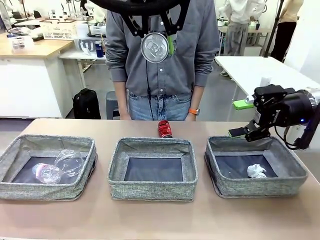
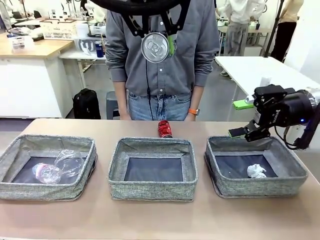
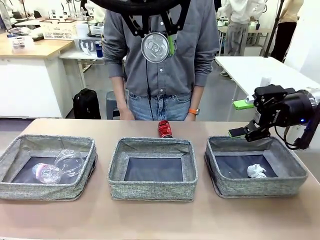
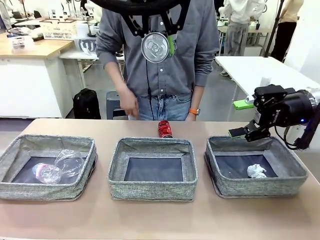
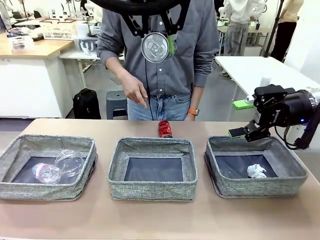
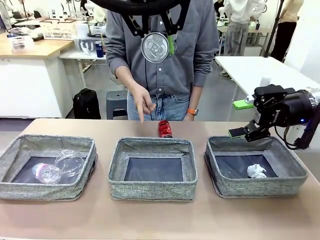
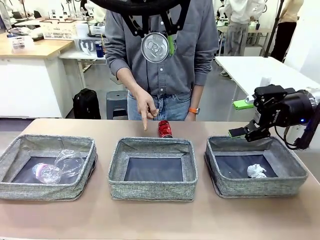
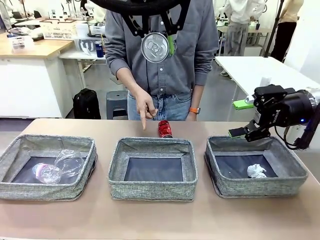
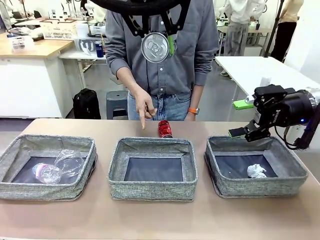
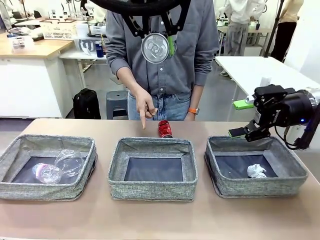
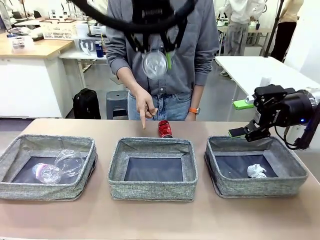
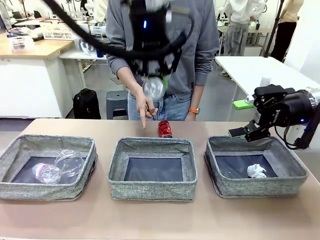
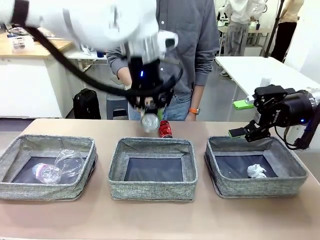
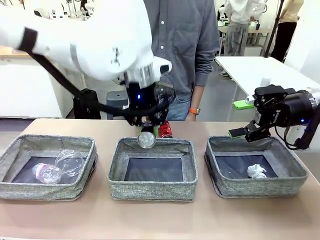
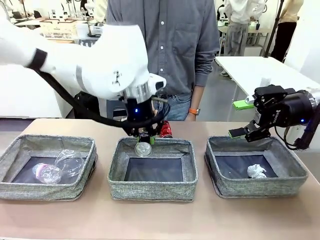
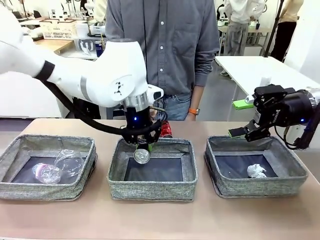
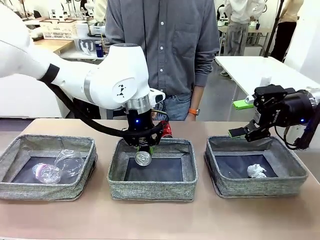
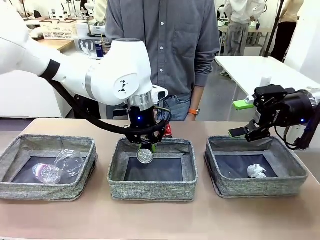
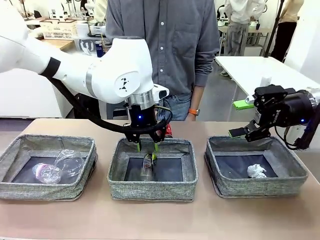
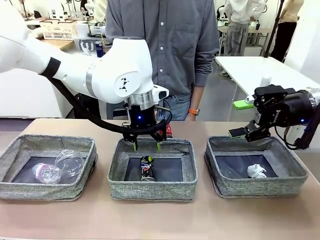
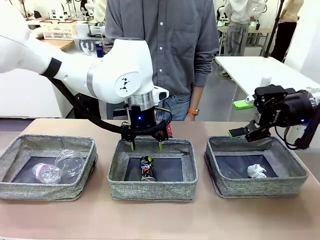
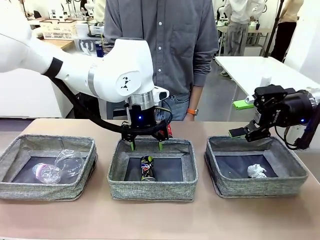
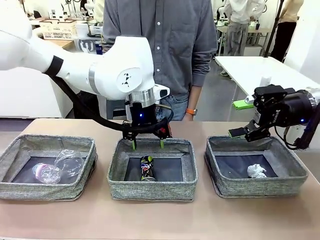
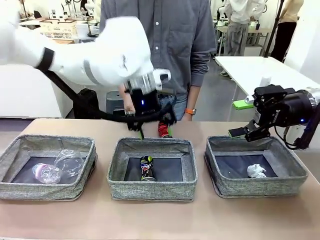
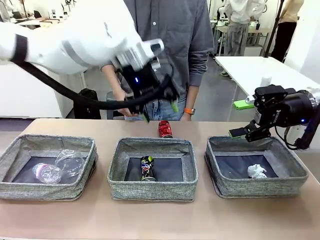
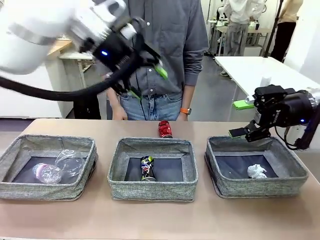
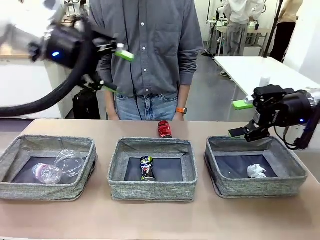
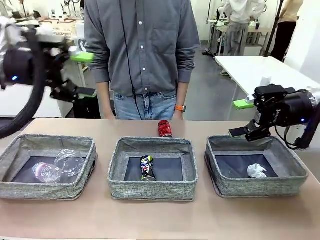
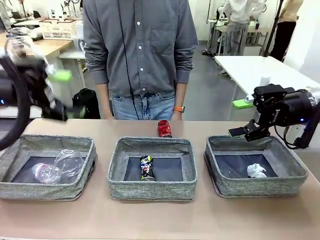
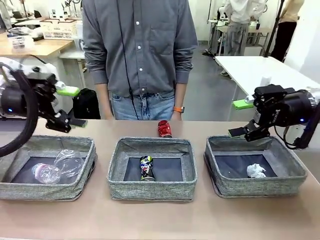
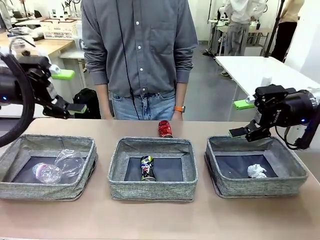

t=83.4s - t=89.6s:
Task: Sort the waste into the appropriate baskets.
Robot: Place the picked waste into the Fabric basket indicated by the person.
Person: Instructs the robot to place the picked-up trash into the appropriate organizing basket.

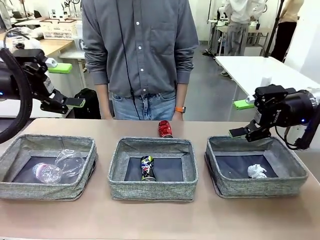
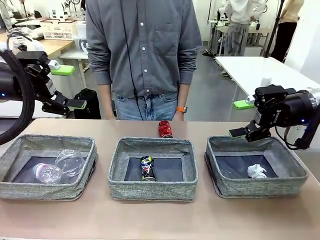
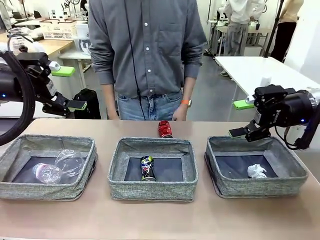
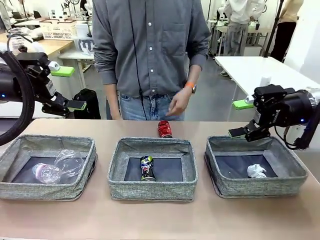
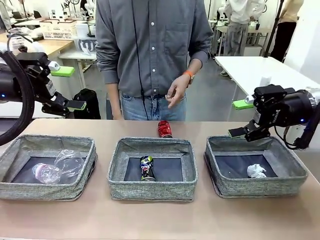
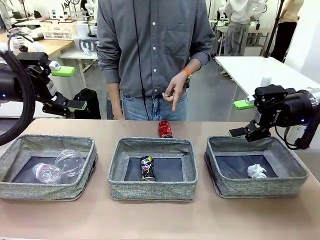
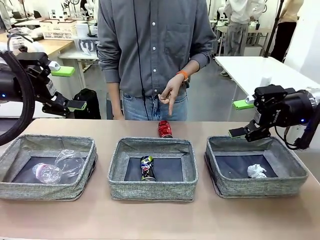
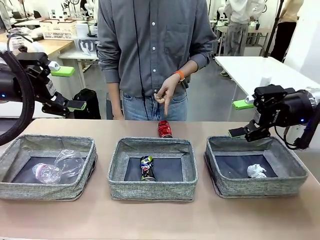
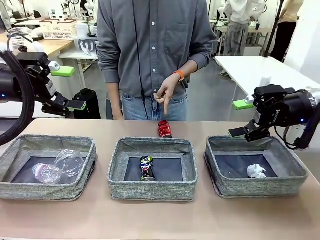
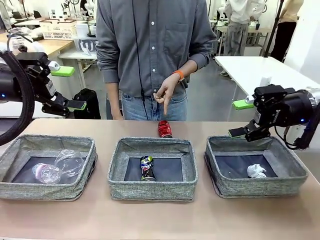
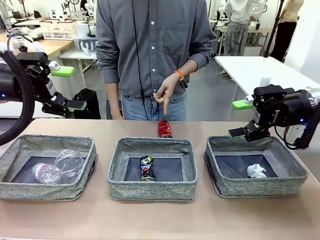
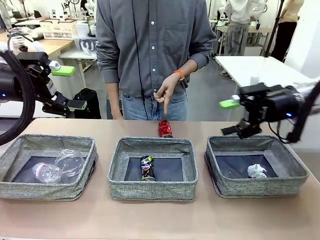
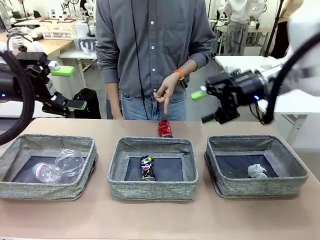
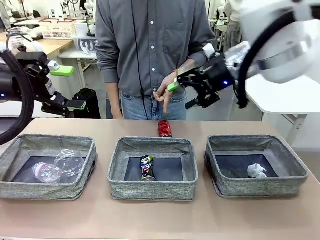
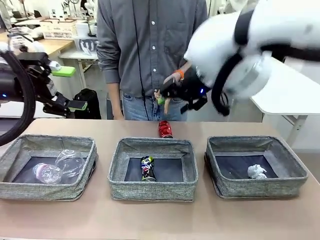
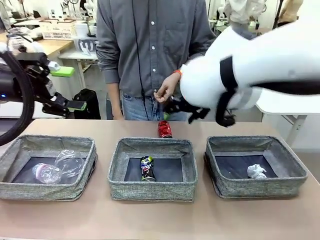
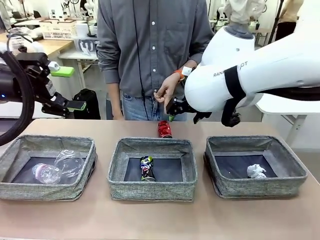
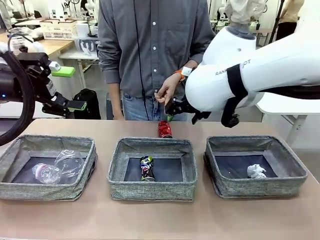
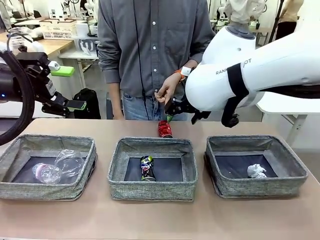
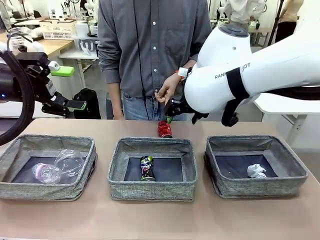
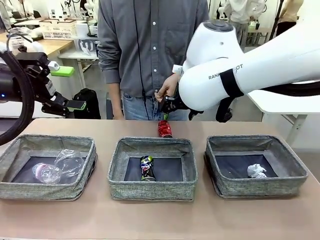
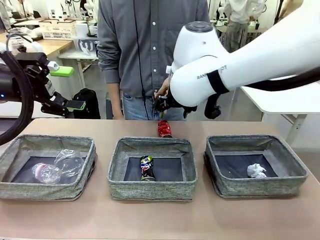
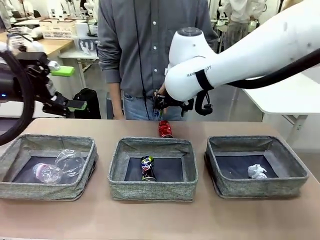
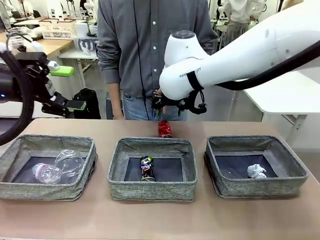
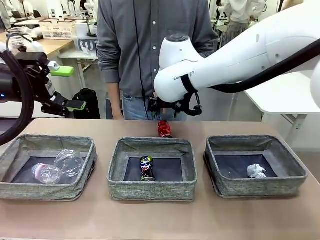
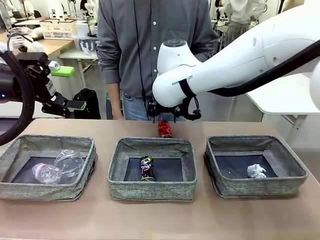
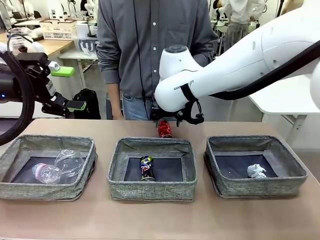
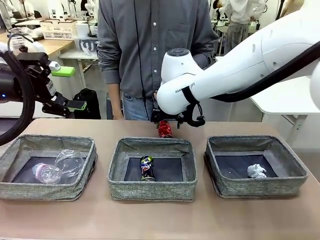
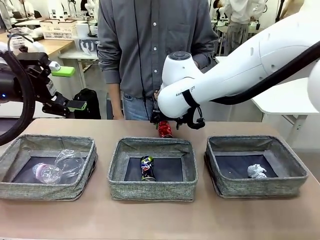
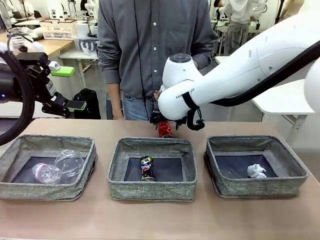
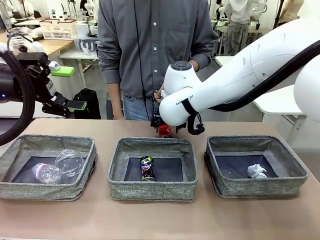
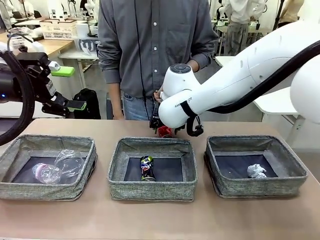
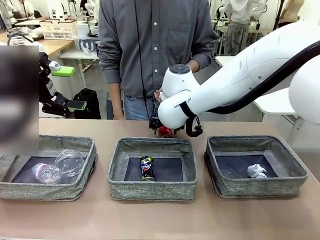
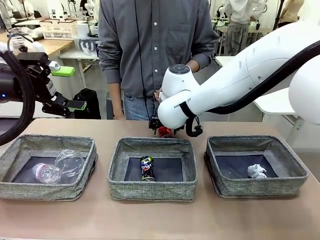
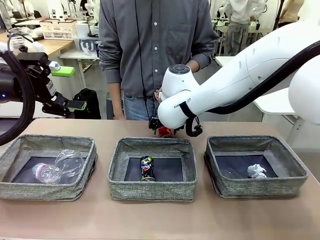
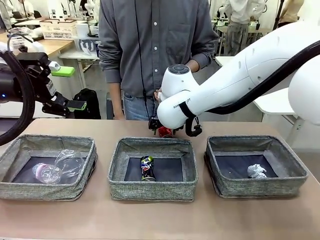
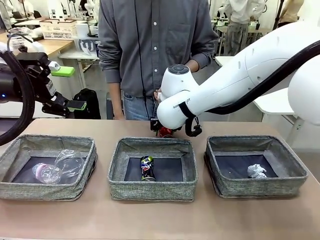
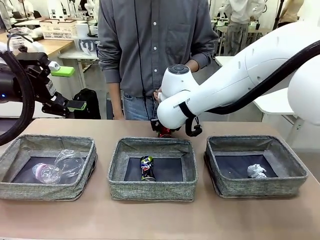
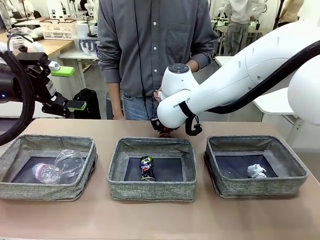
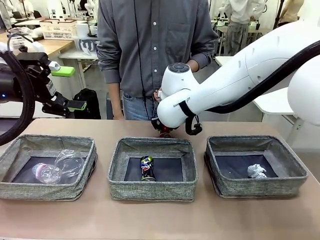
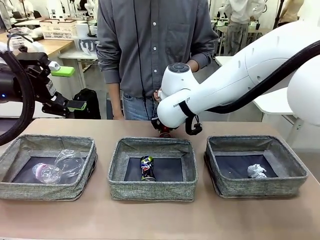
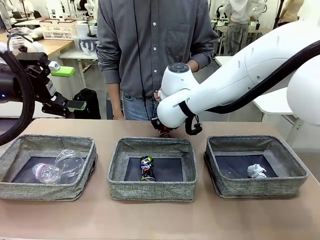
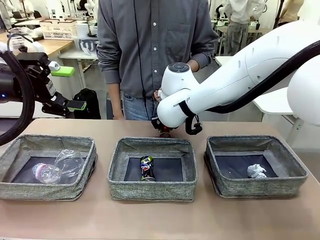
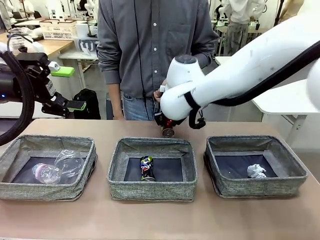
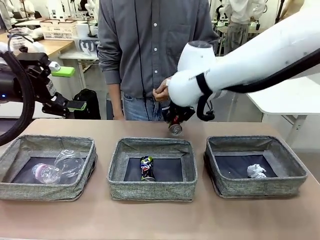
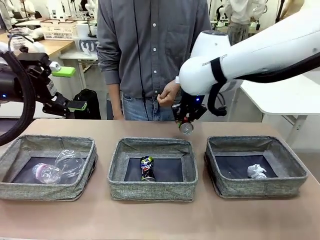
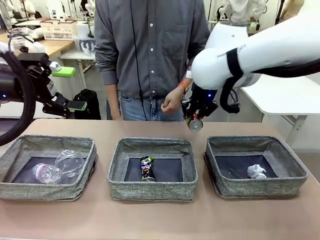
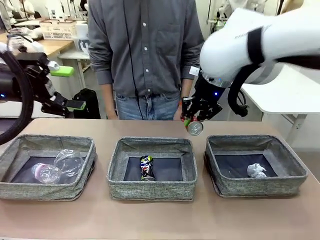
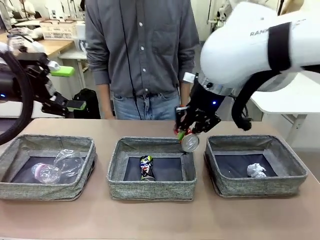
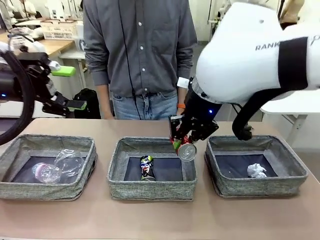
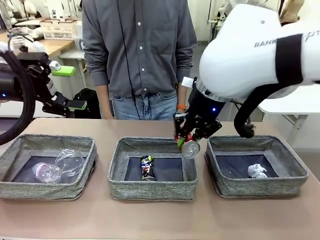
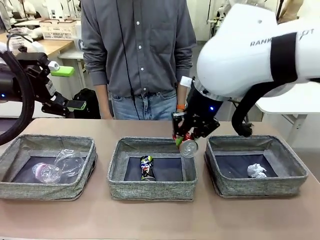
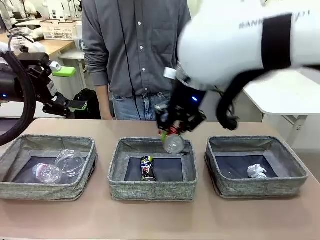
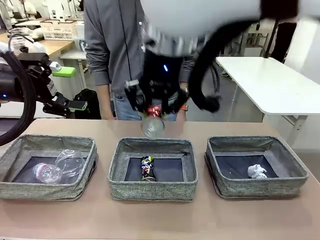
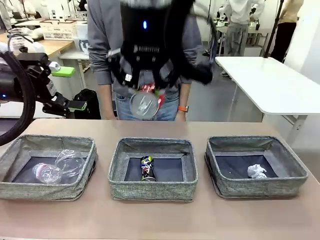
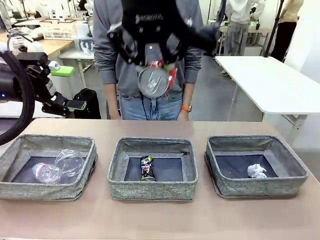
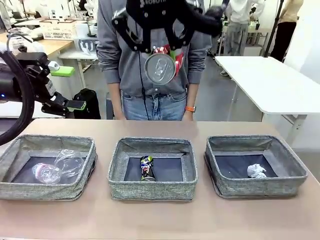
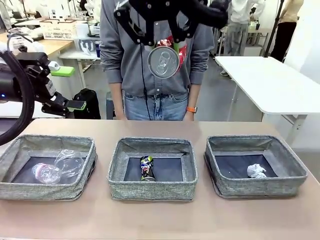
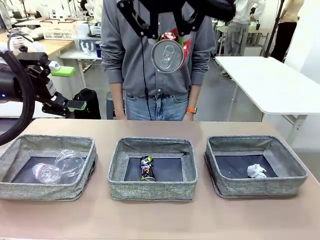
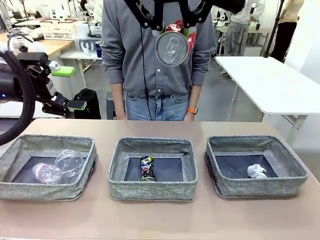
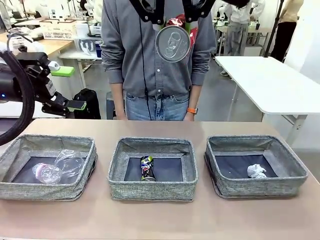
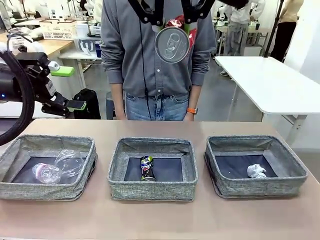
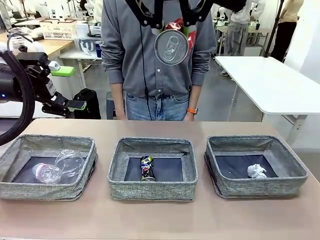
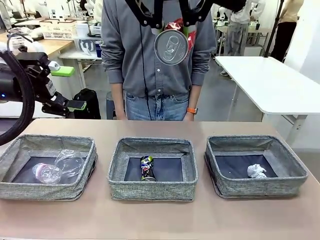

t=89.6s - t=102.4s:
Robot: Pick up the waste item pointed out by the person.
Person: Points to one piece of trash on the table.
